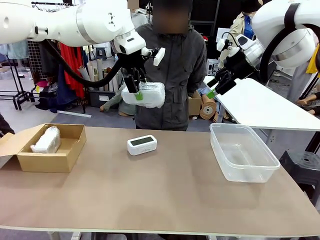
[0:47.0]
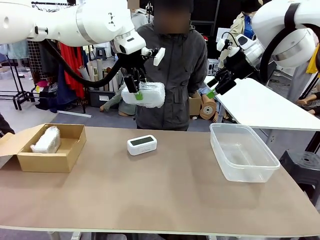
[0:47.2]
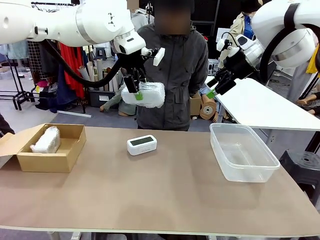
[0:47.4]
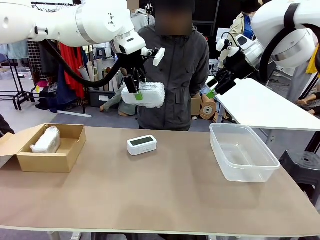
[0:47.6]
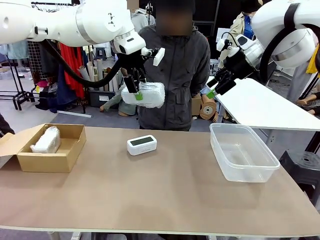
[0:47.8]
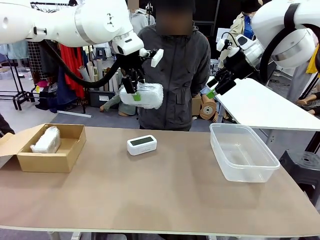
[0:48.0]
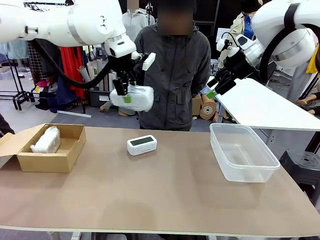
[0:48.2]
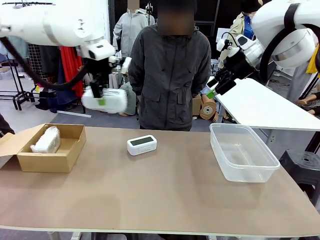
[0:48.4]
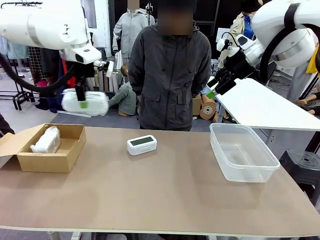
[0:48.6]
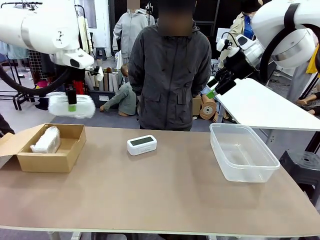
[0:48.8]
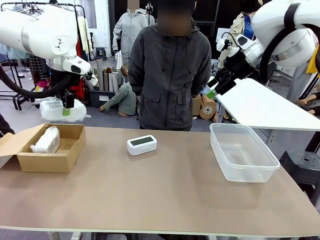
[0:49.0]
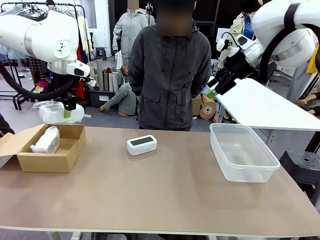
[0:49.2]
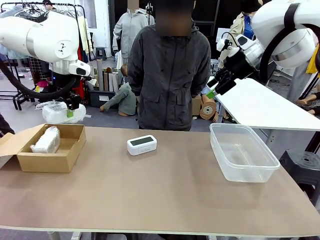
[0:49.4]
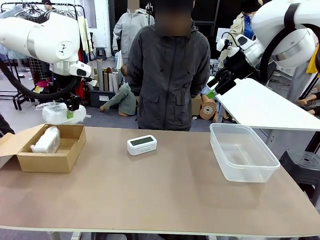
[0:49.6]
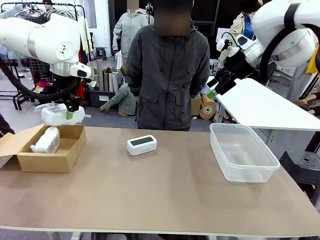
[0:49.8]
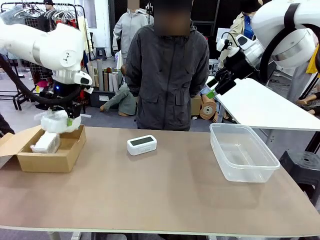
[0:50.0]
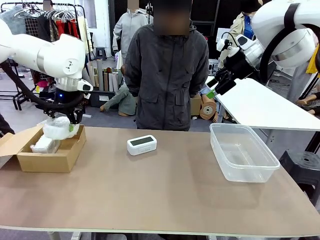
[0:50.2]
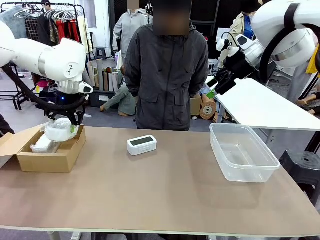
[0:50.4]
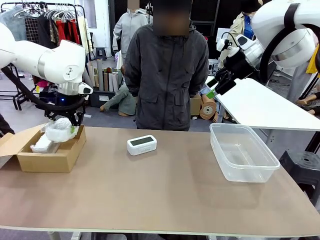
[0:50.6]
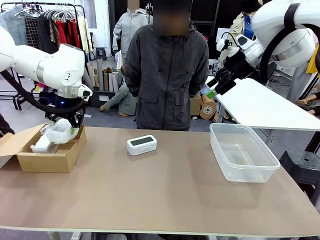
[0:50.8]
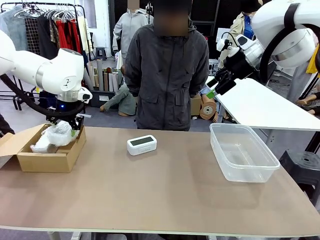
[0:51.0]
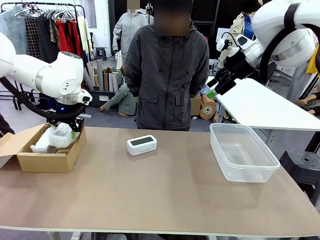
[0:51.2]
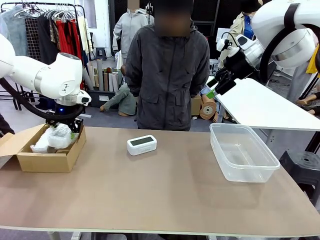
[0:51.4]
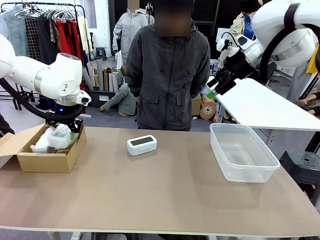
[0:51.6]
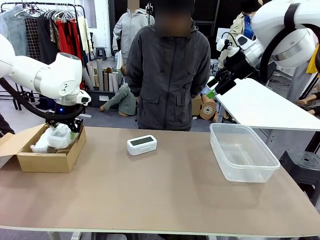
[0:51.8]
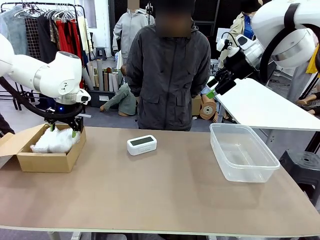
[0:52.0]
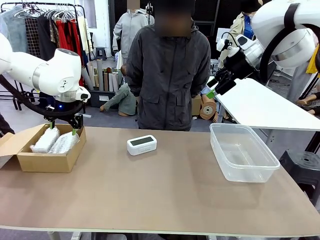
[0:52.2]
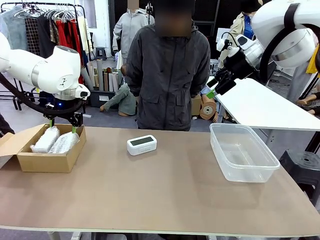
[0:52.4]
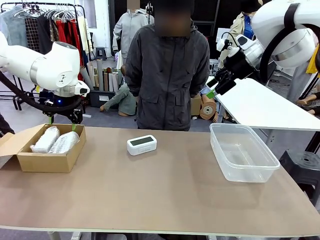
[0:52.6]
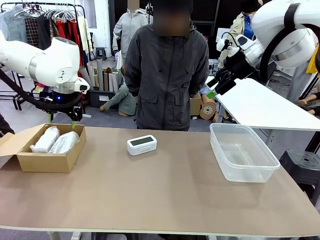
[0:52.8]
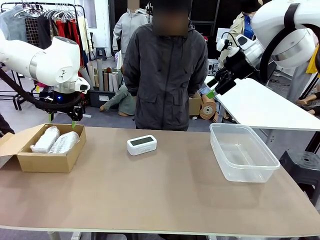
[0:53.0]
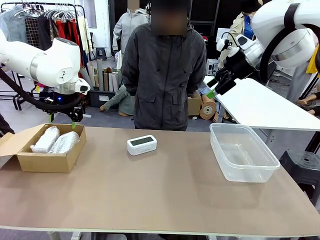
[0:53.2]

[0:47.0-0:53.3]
Task: Separate and place wrapped and unwrapped clocks.
Robot: If the picked Digital clock is wrapped, place it in the Package Box ; if not, place it in the Organizing box.

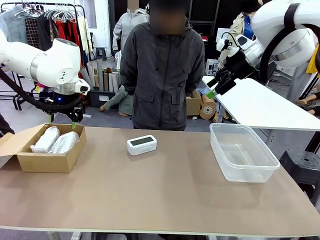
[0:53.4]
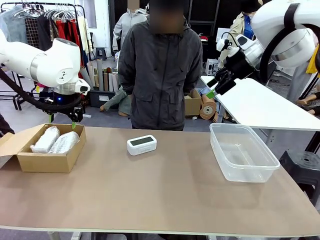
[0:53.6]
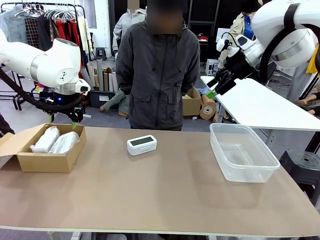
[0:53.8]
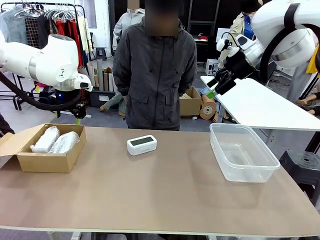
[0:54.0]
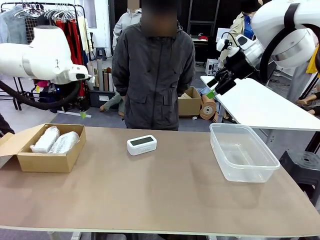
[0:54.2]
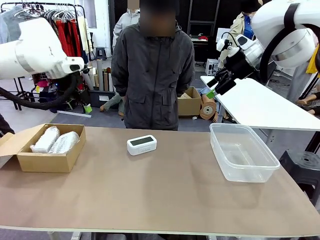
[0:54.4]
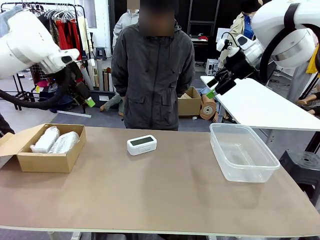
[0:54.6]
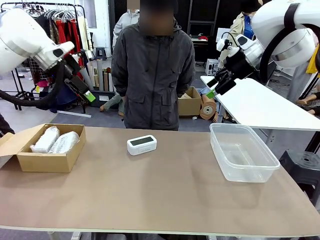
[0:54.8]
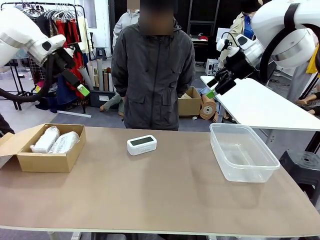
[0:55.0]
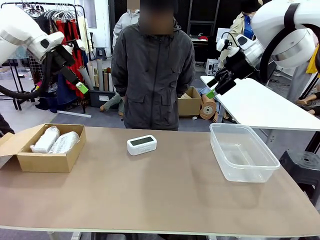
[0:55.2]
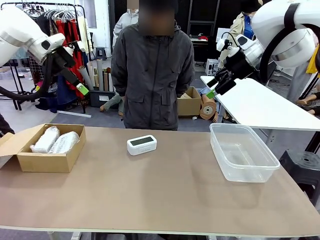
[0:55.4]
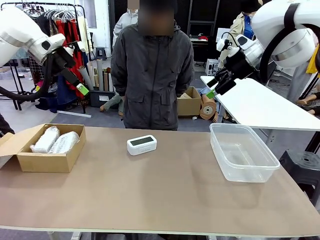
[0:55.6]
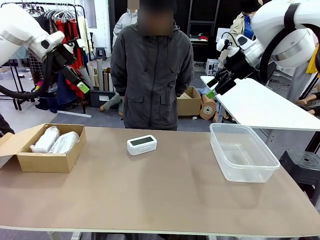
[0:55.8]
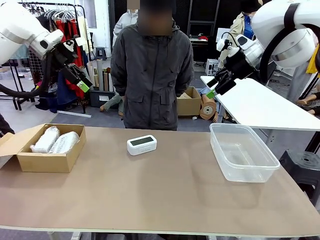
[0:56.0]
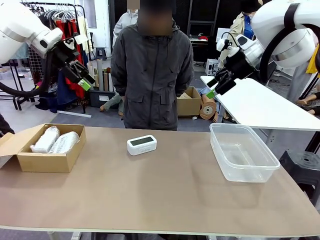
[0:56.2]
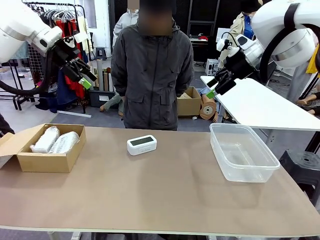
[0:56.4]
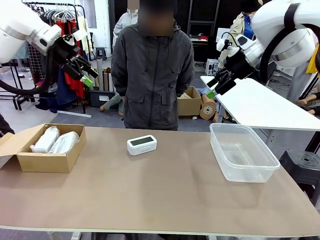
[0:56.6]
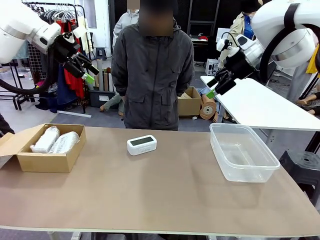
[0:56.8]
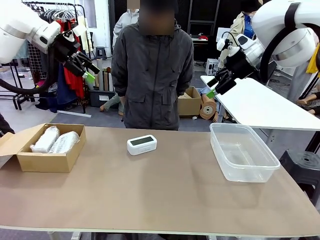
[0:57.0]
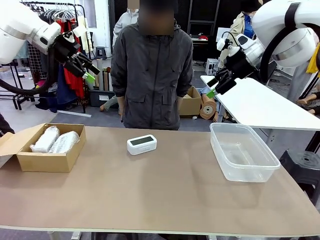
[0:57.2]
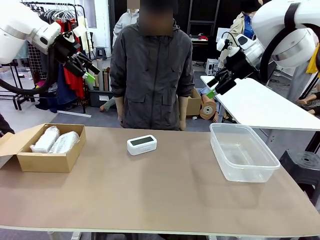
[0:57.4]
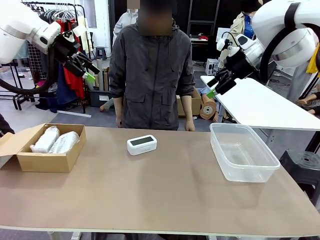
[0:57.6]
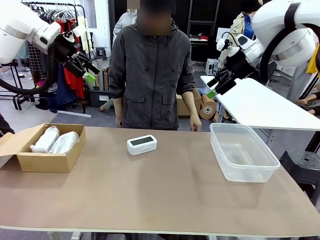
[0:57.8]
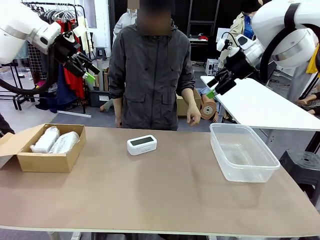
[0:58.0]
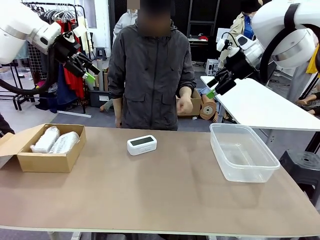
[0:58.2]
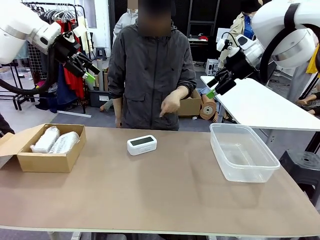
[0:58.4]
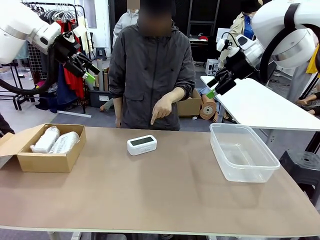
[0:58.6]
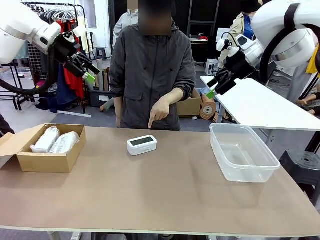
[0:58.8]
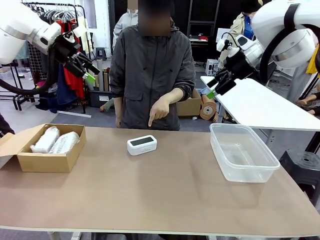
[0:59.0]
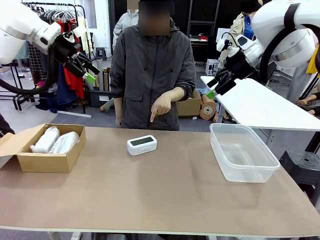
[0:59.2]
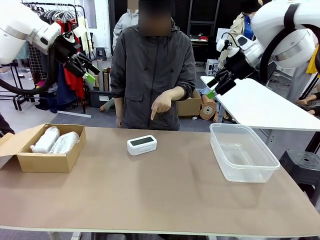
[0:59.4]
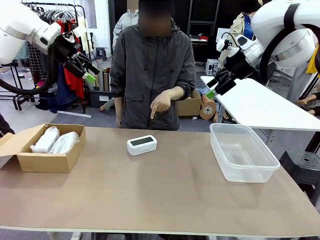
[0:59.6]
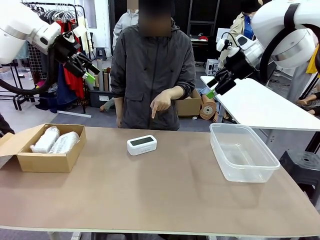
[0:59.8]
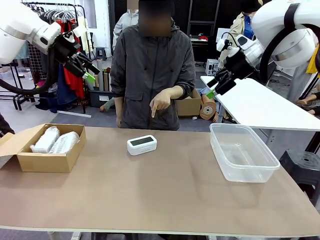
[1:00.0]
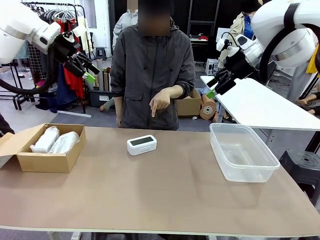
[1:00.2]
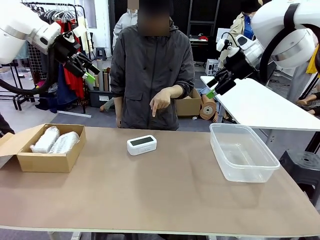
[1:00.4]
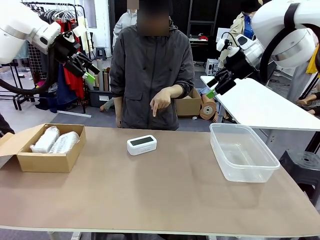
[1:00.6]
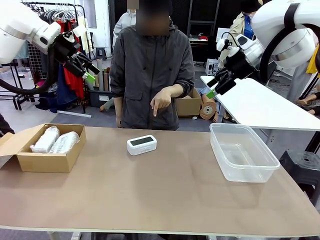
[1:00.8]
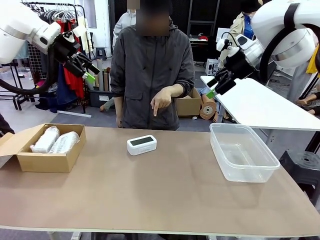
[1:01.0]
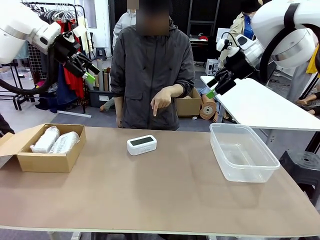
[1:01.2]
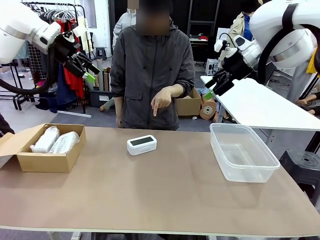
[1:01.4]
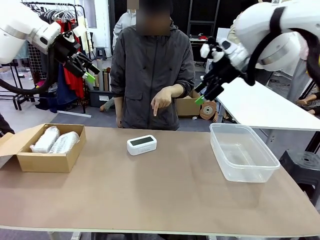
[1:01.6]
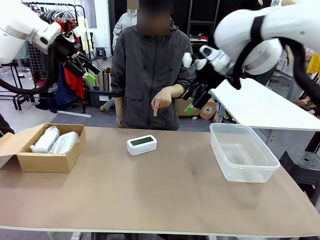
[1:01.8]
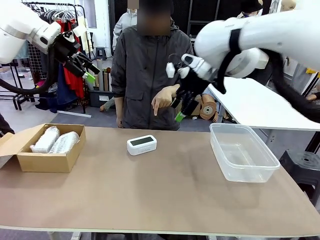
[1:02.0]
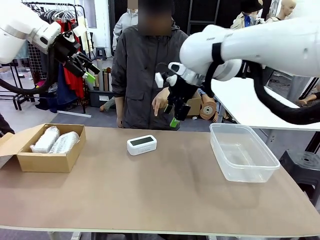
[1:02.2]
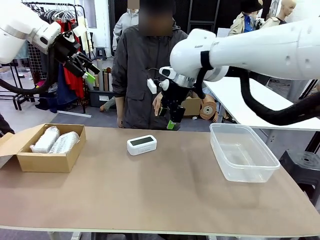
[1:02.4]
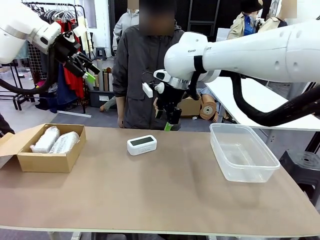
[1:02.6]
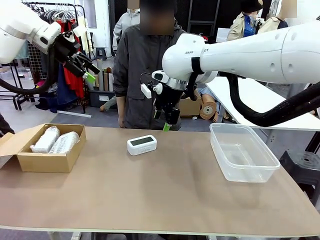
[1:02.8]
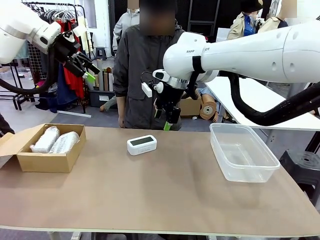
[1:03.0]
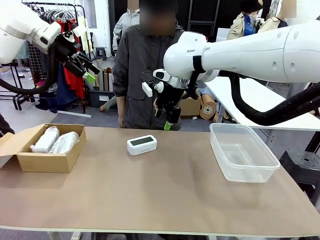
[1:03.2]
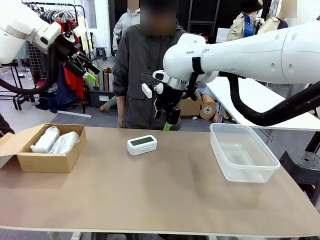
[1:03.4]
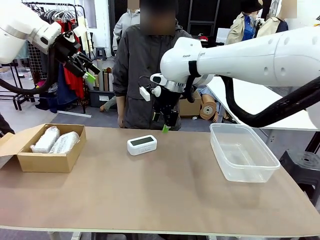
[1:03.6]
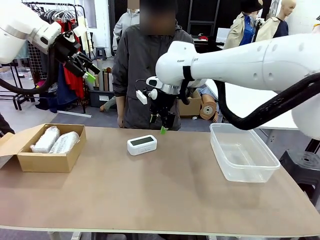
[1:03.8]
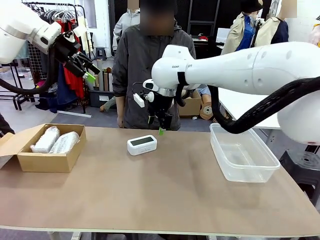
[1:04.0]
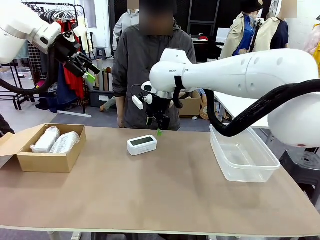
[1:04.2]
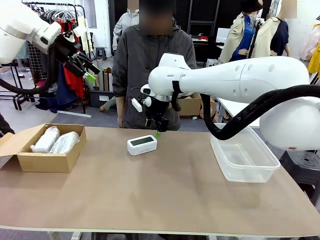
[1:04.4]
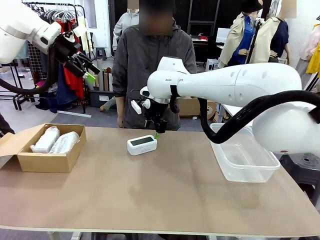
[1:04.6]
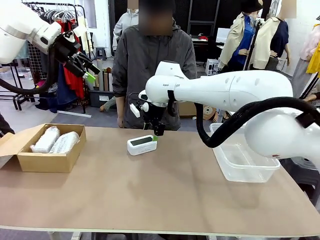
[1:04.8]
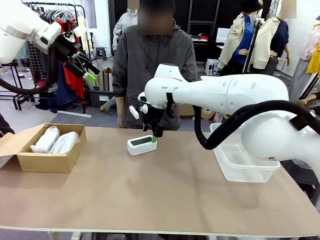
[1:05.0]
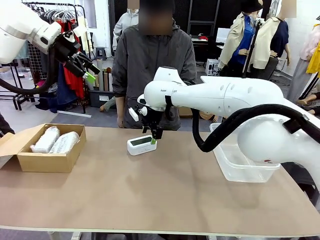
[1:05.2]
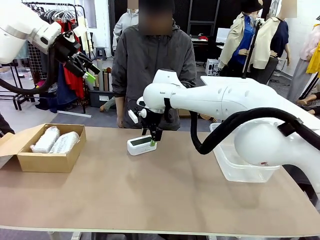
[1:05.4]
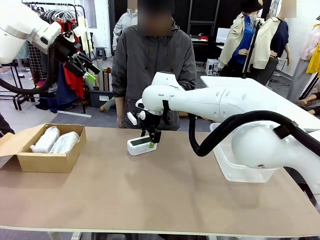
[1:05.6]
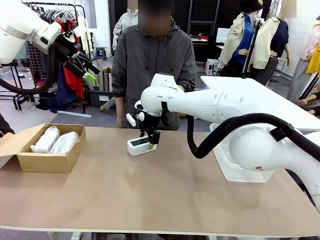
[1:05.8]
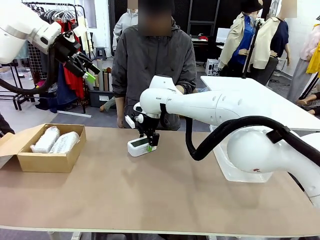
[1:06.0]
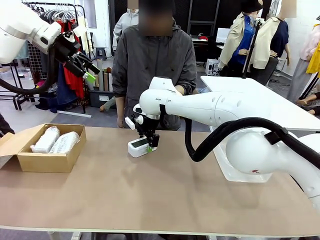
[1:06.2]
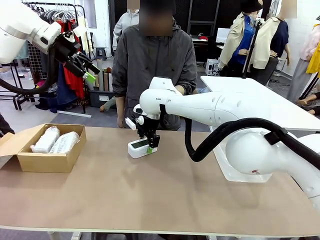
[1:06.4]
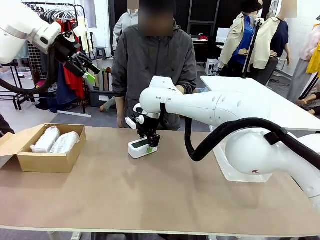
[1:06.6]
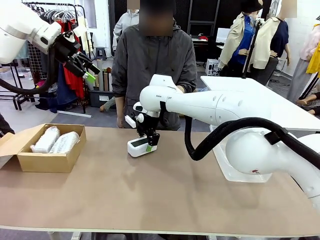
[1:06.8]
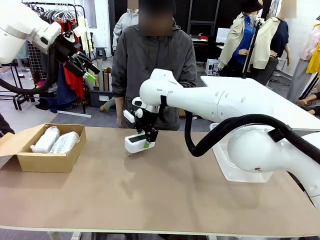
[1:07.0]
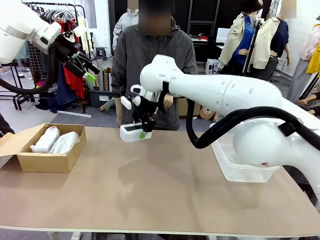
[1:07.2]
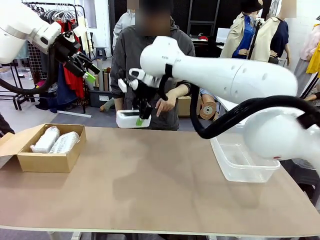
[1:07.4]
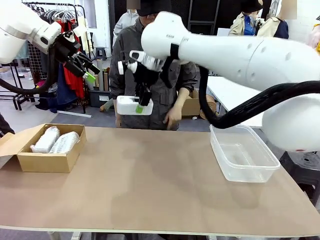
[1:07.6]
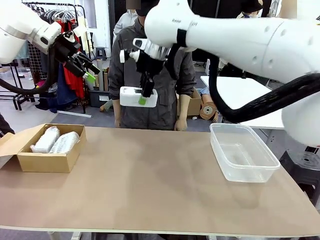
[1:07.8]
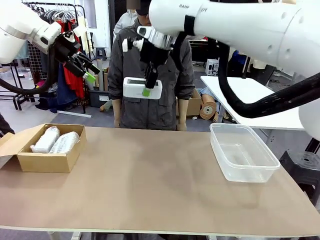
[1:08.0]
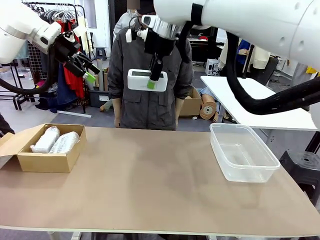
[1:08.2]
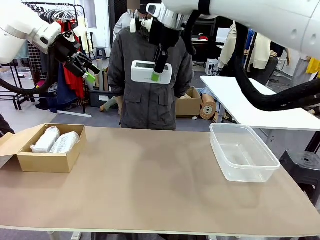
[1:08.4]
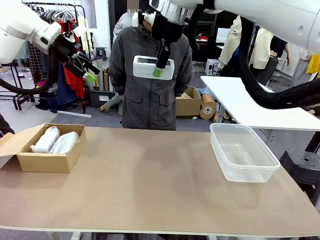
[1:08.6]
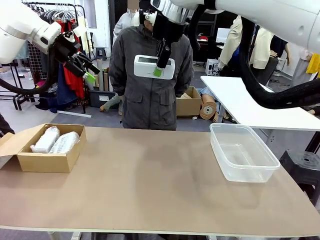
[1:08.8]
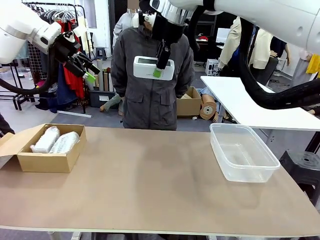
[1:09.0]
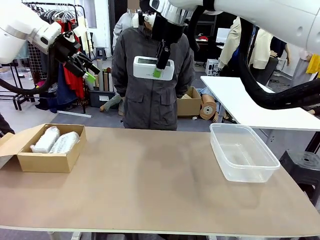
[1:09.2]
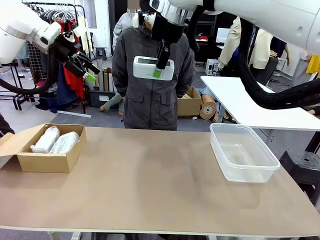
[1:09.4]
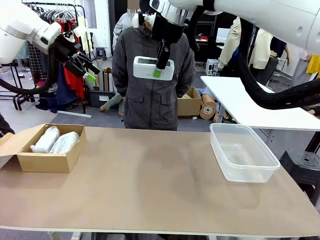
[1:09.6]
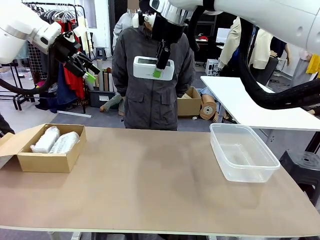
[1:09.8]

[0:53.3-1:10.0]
Robot: Pick up the Digital clock indicated by the person.
